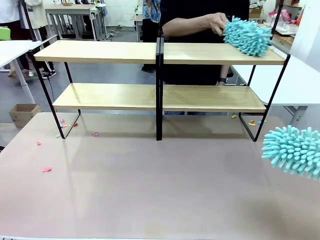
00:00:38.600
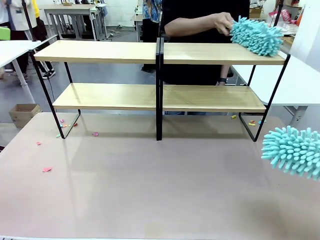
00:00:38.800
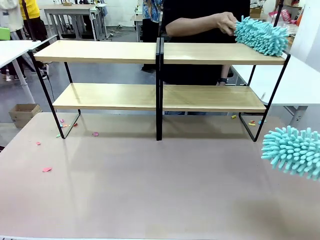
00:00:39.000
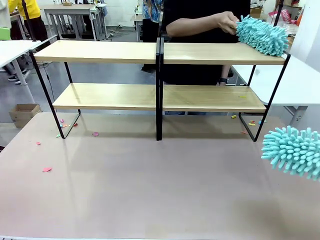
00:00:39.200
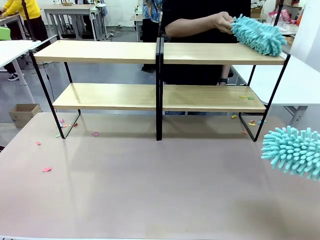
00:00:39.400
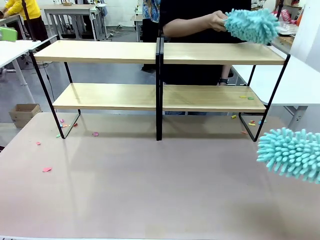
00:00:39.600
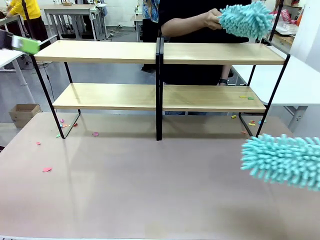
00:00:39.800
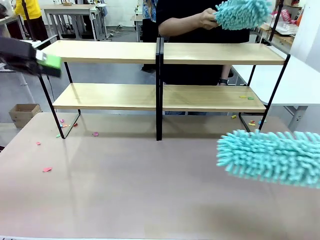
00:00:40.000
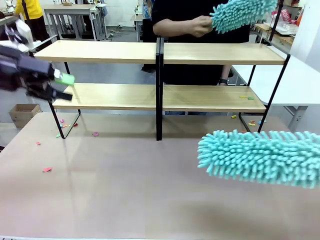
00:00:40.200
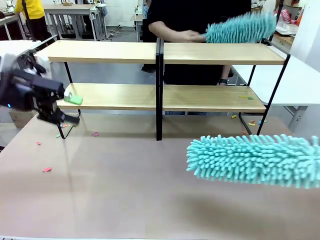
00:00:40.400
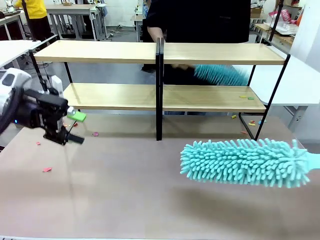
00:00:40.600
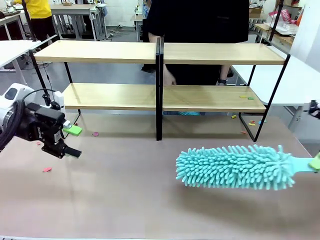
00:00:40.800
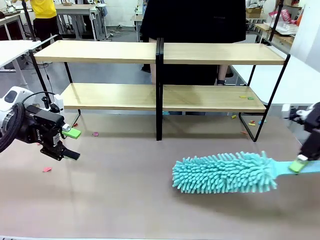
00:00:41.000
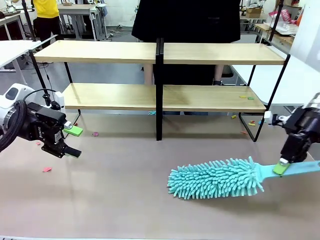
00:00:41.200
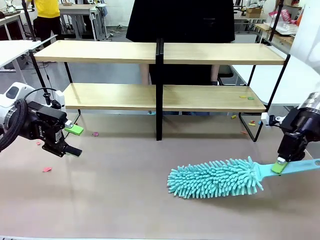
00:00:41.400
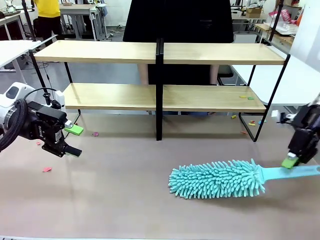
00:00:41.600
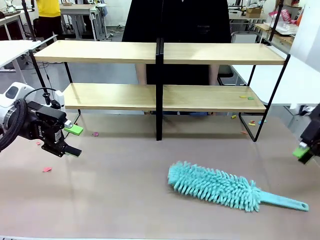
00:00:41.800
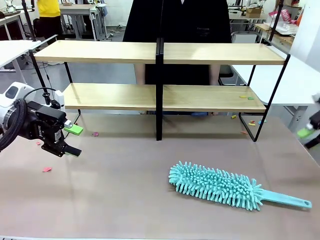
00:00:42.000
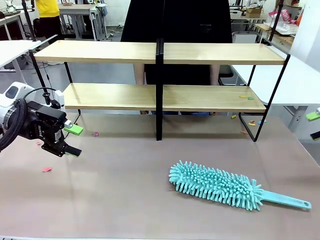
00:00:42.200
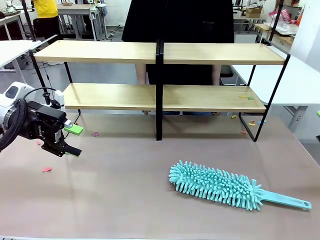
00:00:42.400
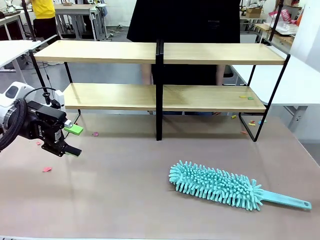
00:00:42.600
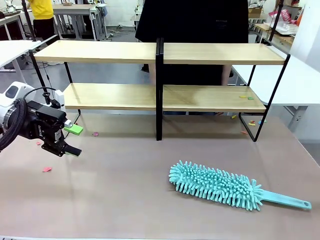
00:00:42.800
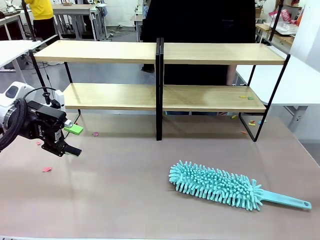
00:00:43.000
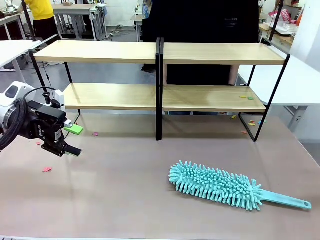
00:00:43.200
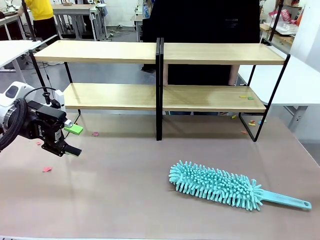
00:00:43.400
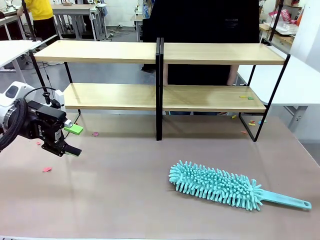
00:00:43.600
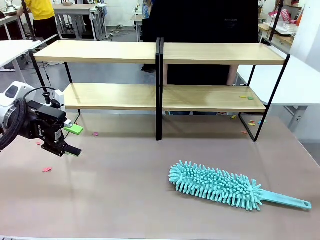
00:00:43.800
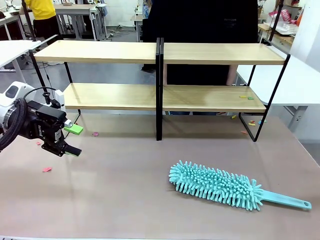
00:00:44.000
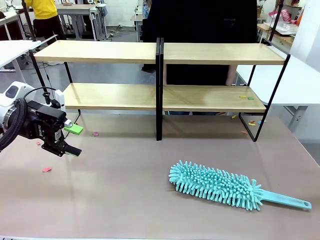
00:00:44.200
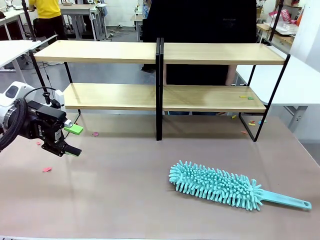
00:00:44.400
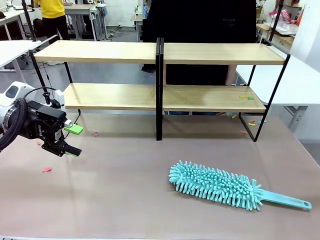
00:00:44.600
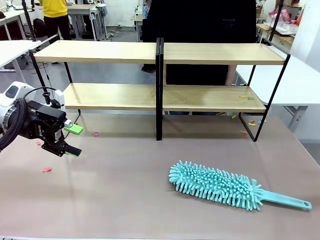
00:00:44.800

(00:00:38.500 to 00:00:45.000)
Task: Clean the shelves.
Robot: Place the Duster on the table.

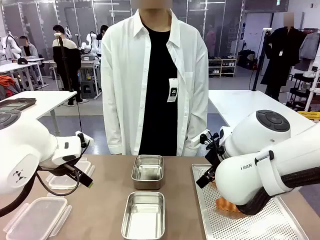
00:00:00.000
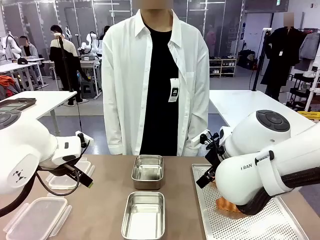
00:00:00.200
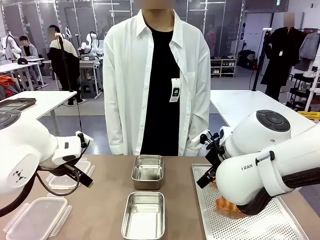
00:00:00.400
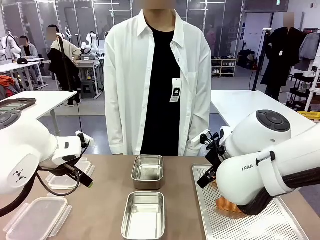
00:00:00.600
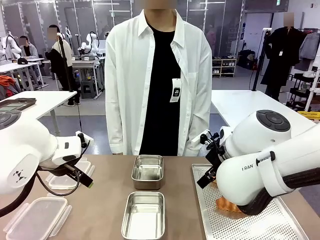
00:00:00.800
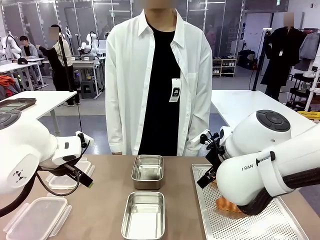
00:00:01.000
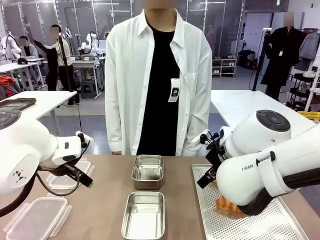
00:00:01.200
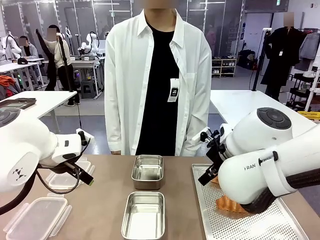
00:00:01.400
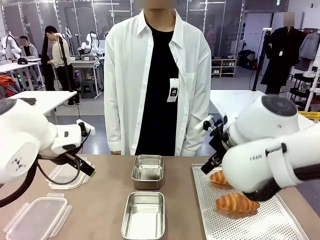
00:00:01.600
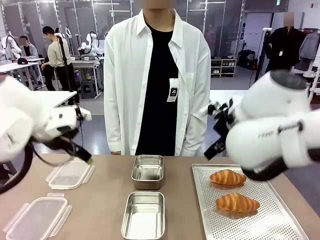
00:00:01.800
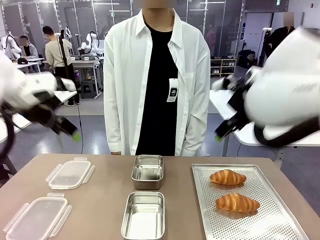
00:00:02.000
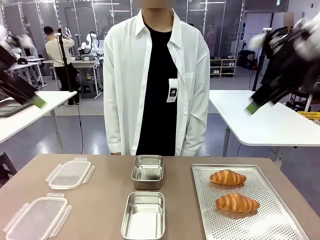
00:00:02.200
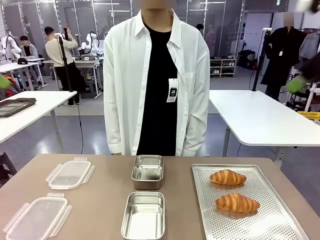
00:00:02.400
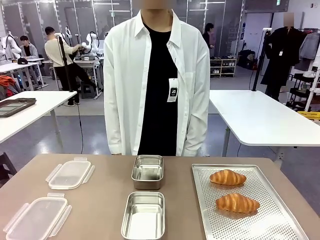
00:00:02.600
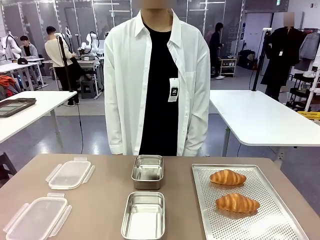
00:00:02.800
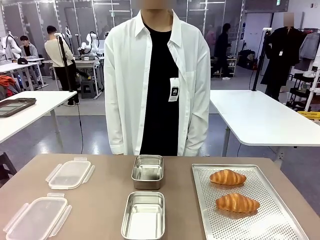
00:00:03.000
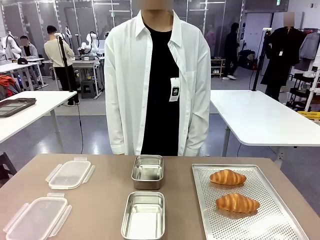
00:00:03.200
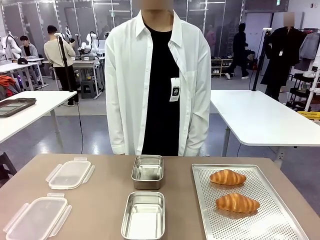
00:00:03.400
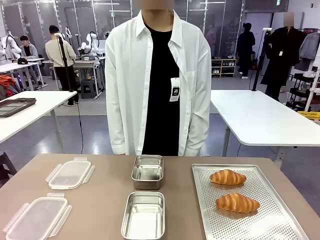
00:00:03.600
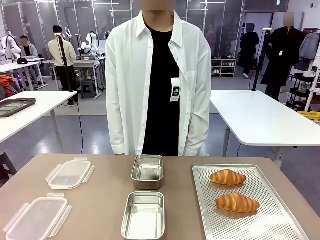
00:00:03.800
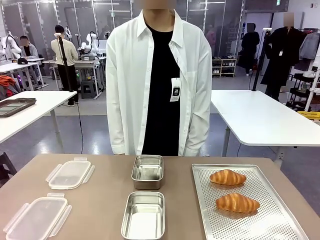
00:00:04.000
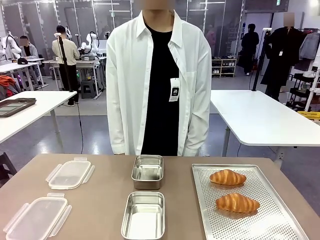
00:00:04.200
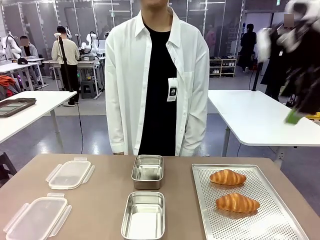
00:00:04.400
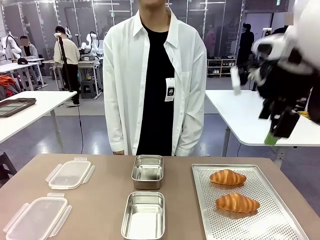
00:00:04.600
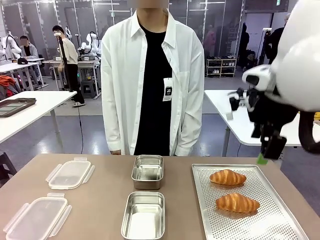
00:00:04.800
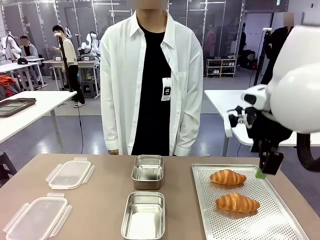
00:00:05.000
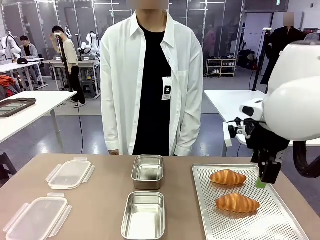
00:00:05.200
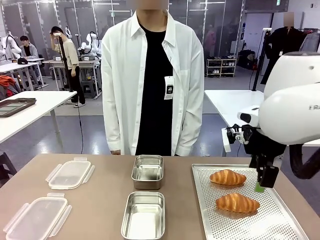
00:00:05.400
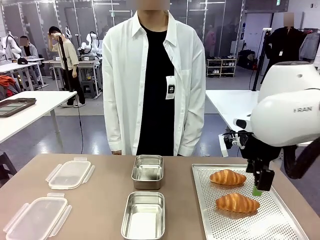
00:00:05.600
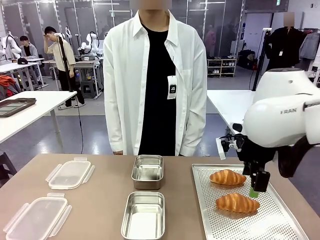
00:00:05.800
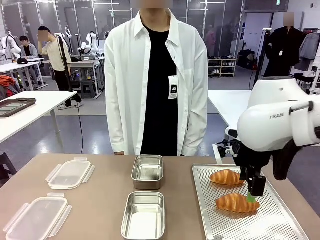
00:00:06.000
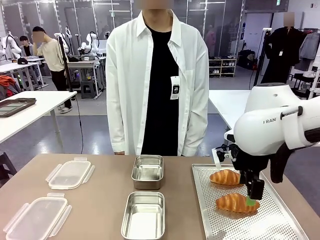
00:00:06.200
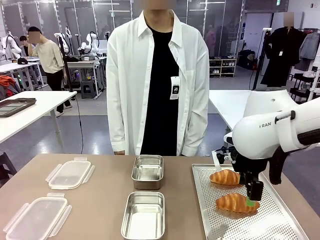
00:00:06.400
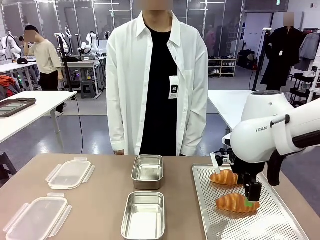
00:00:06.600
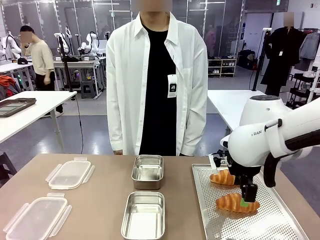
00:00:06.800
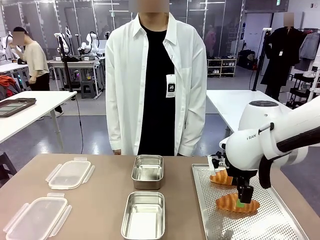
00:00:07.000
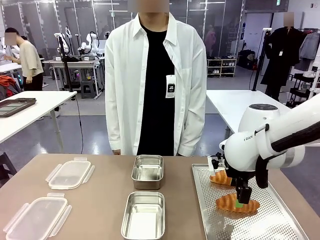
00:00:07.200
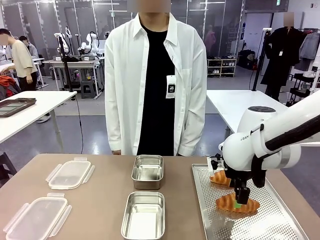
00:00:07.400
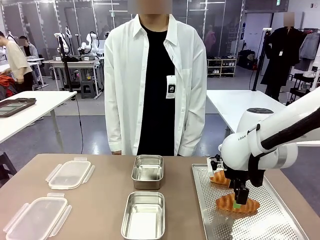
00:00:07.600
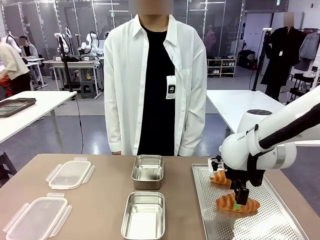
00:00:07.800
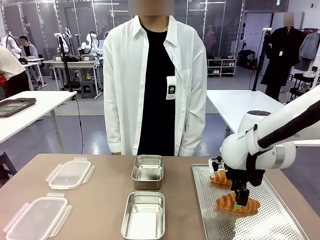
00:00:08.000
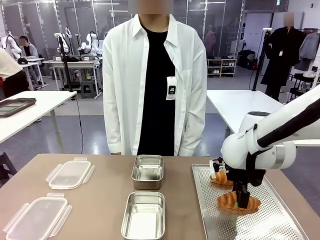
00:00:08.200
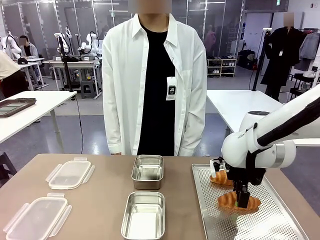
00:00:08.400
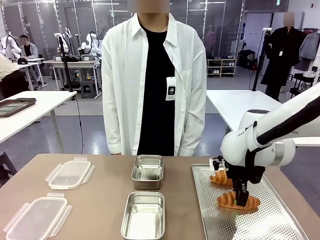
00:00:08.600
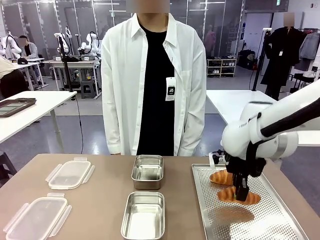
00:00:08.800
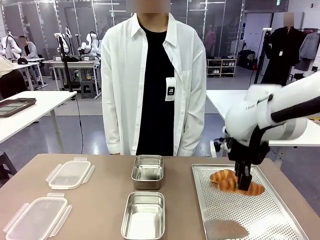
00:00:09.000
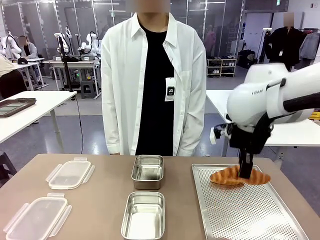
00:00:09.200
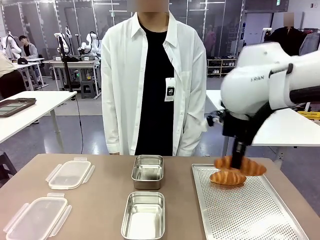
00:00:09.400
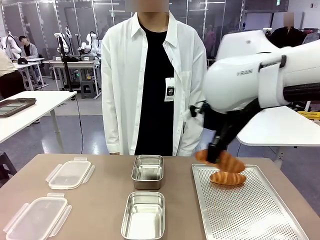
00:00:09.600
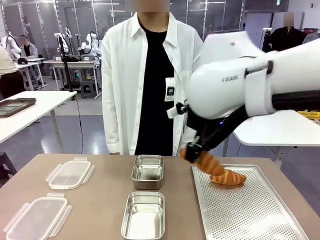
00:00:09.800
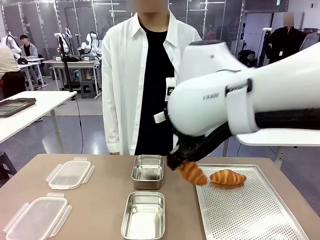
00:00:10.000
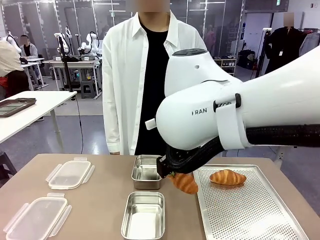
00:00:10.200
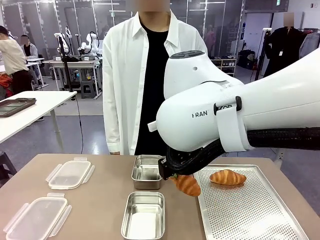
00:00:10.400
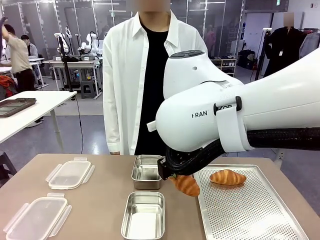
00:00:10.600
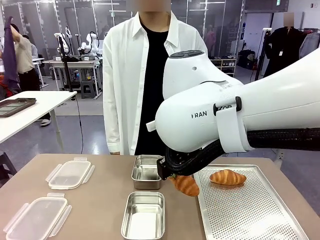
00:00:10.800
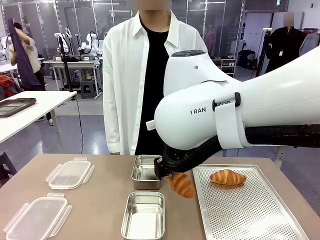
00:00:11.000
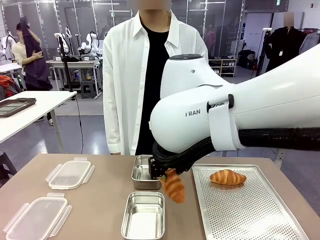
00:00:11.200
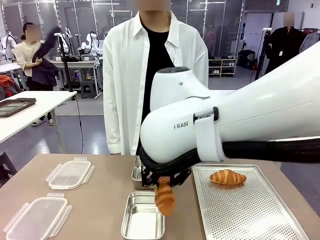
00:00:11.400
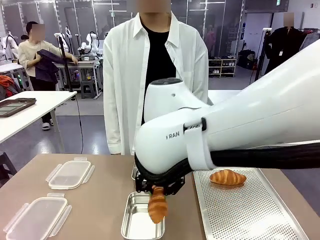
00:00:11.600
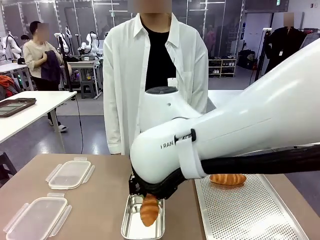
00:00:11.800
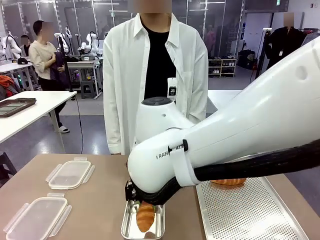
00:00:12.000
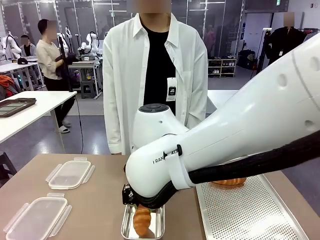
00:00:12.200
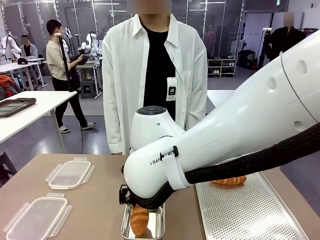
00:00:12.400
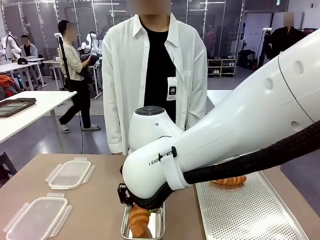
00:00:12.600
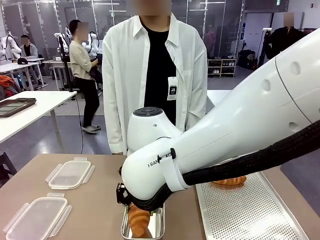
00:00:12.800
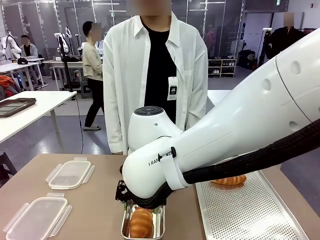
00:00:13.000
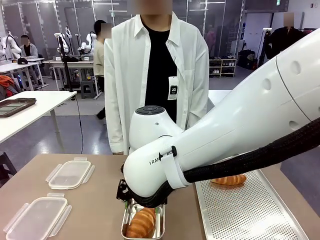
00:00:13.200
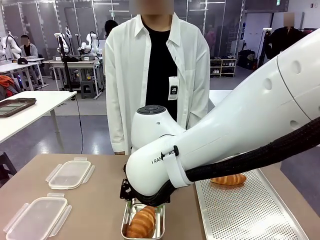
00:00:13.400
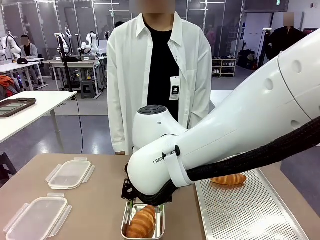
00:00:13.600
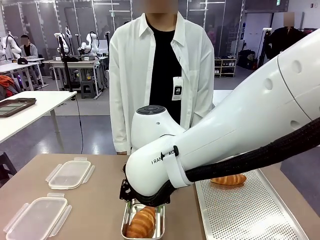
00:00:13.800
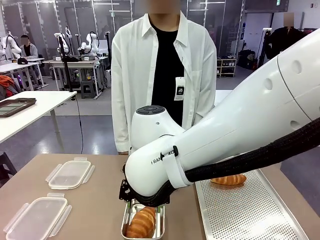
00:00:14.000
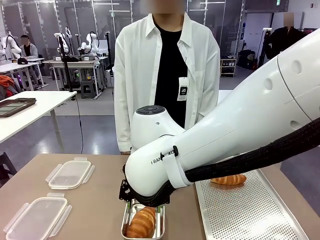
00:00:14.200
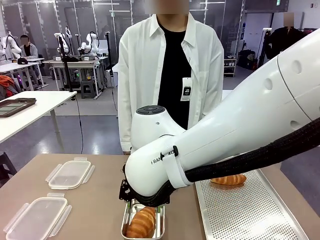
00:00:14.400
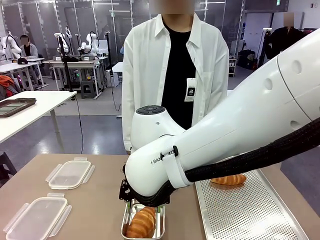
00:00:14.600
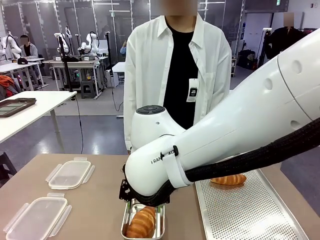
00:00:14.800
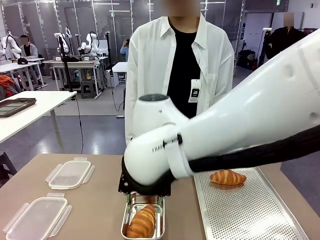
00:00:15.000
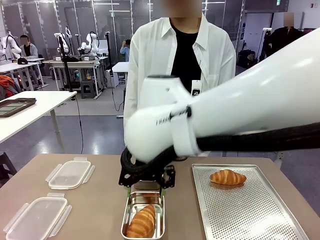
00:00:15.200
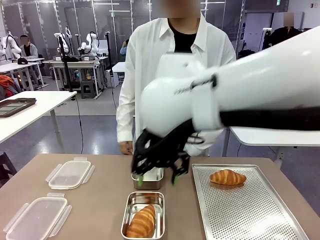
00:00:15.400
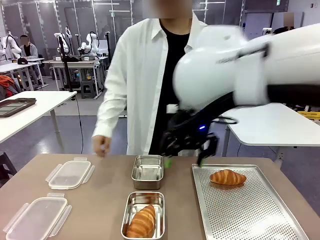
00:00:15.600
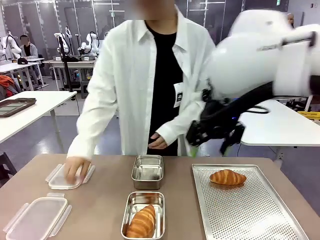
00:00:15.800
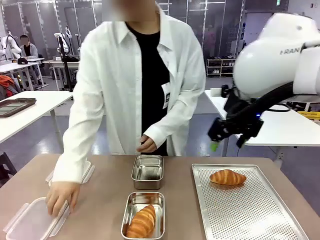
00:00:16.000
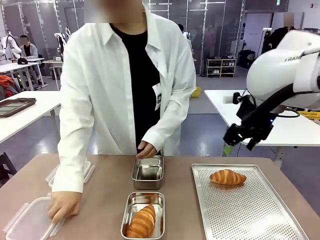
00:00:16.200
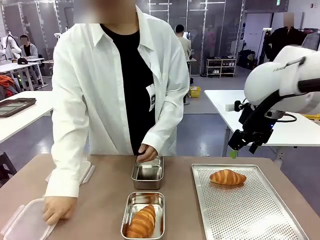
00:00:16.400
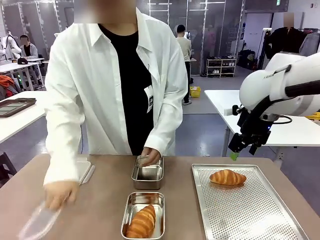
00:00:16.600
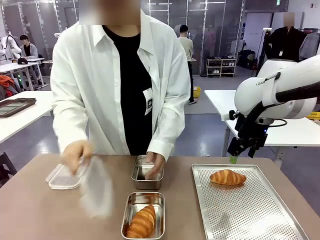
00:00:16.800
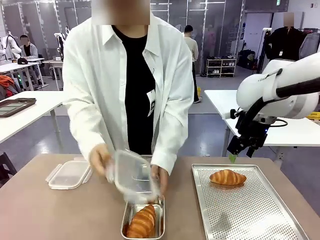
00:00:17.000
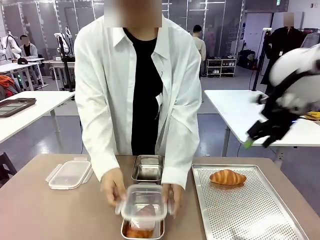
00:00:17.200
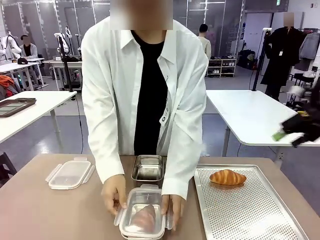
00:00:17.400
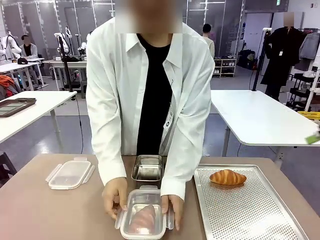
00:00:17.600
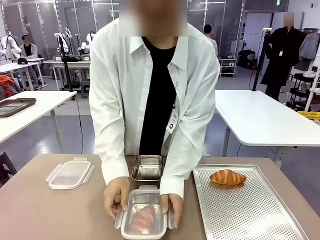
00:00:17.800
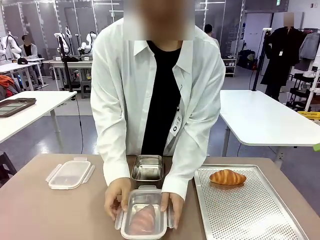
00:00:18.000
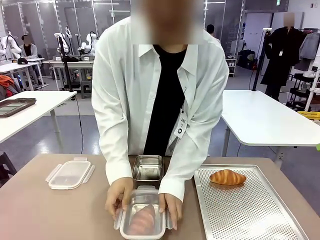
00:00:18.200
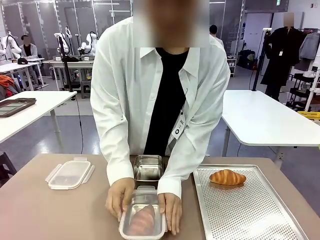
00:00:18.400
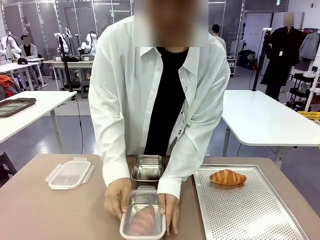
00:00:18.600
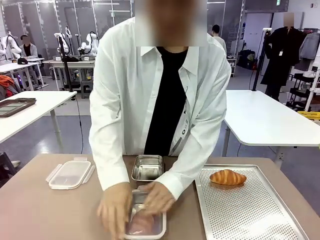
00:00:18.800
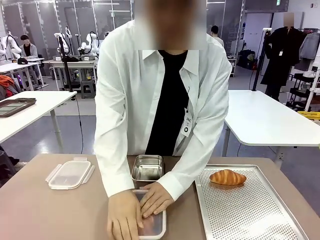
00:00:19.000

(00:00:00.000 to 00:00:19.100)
Task: Place the bread into the airtight container.
Robot: Pick up a Butter Roll and place it into an empty Airtight Container.
